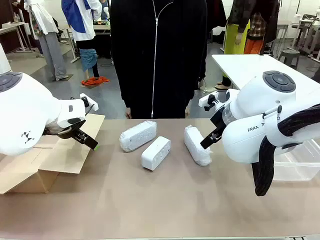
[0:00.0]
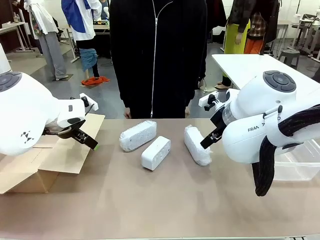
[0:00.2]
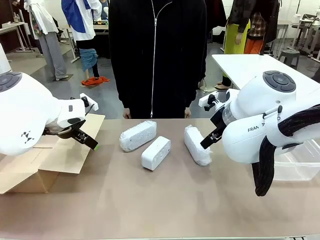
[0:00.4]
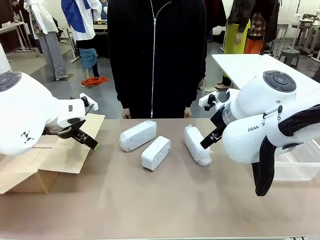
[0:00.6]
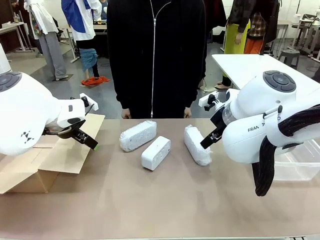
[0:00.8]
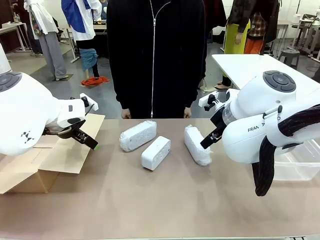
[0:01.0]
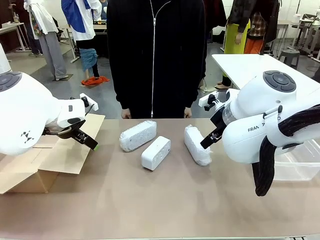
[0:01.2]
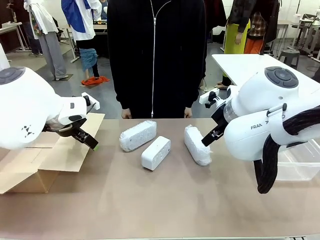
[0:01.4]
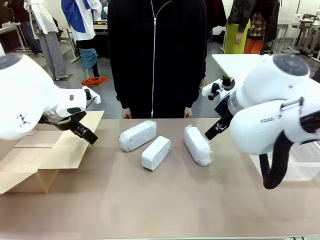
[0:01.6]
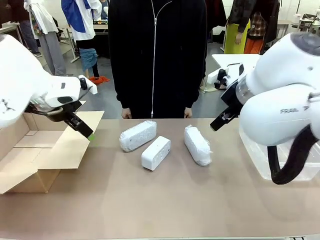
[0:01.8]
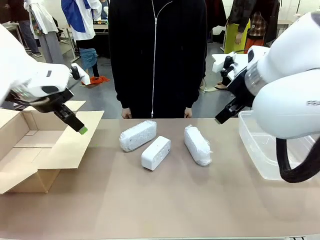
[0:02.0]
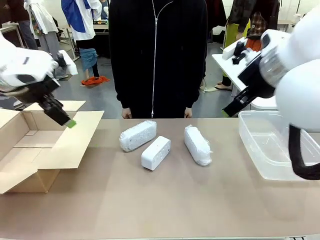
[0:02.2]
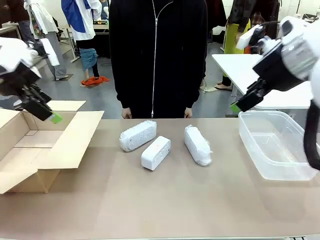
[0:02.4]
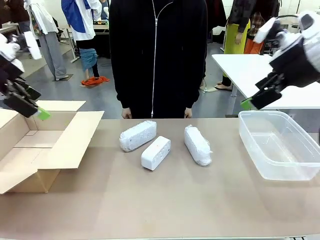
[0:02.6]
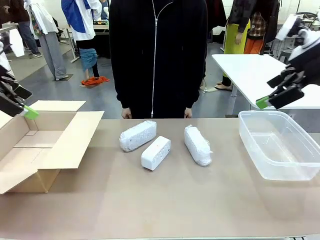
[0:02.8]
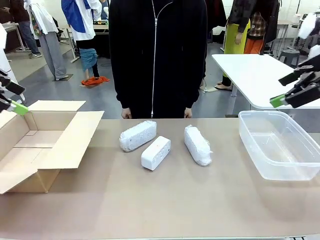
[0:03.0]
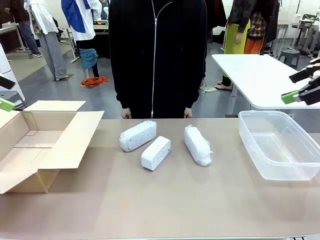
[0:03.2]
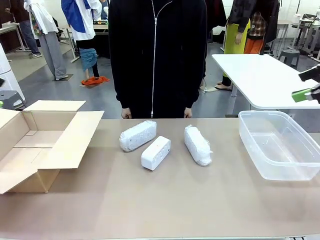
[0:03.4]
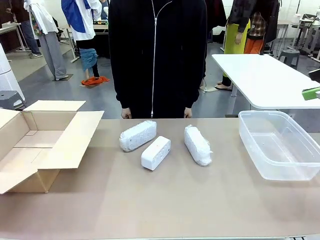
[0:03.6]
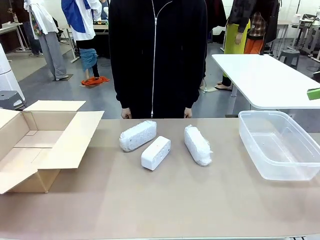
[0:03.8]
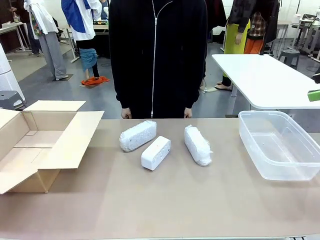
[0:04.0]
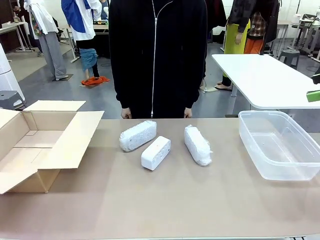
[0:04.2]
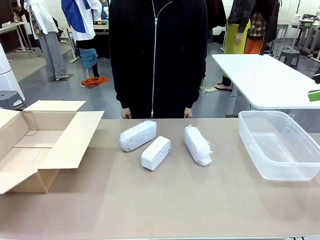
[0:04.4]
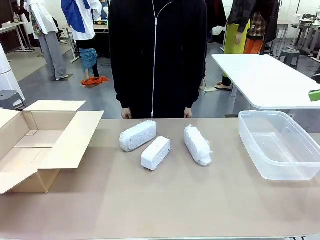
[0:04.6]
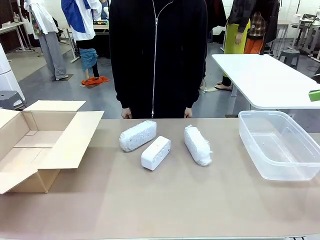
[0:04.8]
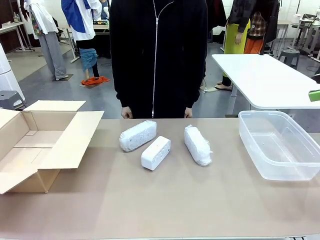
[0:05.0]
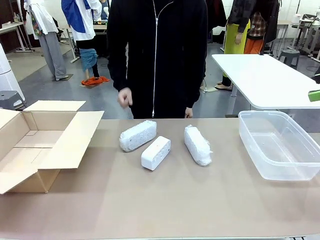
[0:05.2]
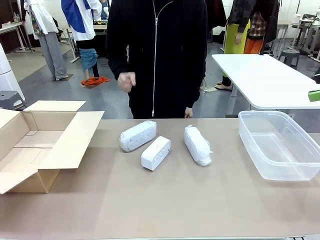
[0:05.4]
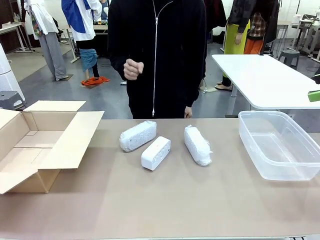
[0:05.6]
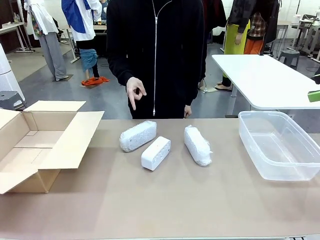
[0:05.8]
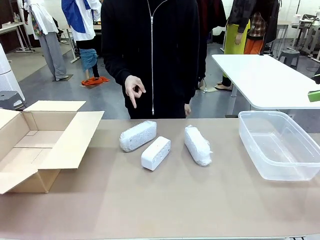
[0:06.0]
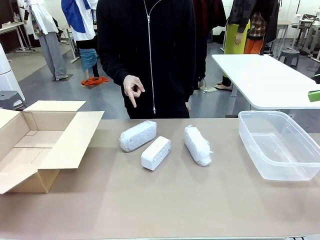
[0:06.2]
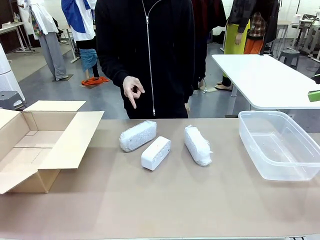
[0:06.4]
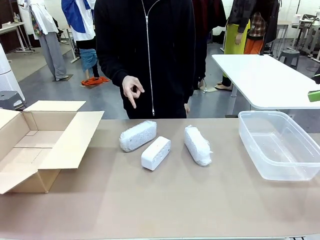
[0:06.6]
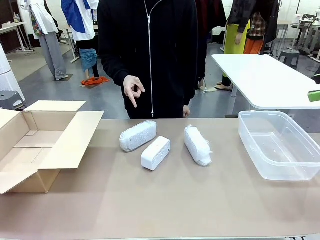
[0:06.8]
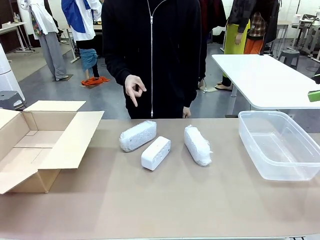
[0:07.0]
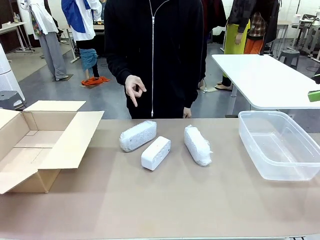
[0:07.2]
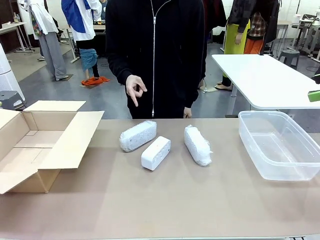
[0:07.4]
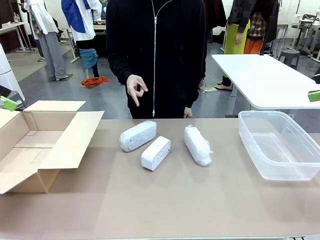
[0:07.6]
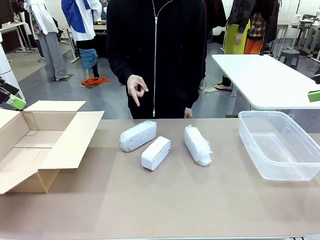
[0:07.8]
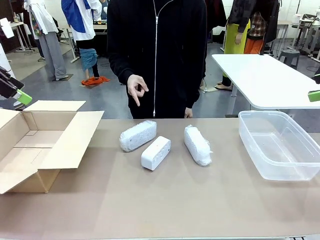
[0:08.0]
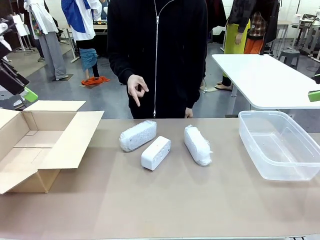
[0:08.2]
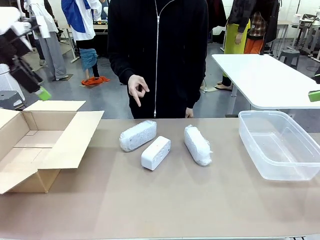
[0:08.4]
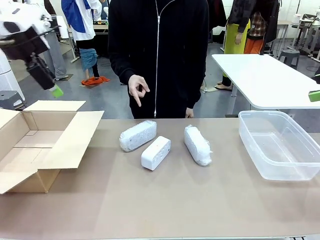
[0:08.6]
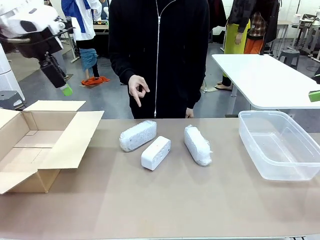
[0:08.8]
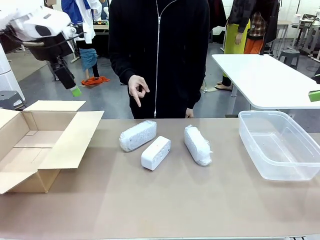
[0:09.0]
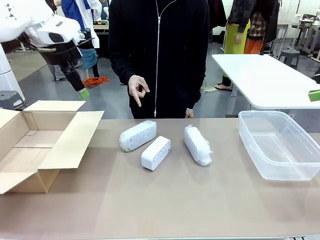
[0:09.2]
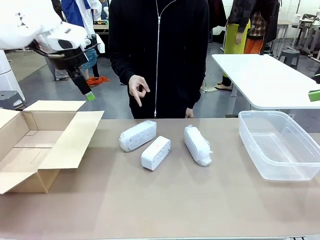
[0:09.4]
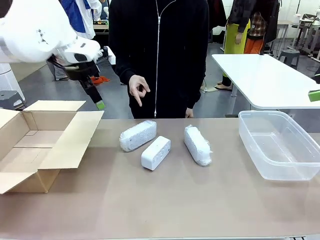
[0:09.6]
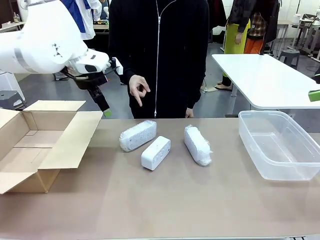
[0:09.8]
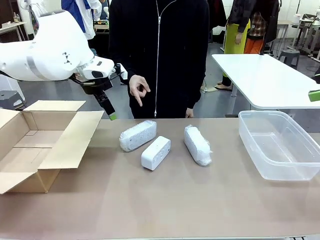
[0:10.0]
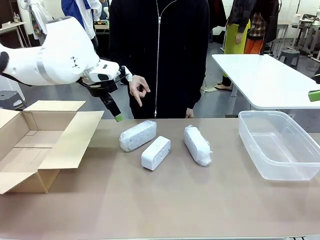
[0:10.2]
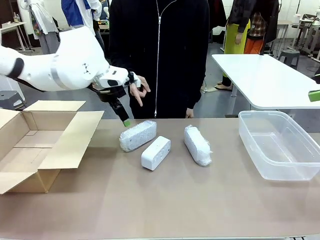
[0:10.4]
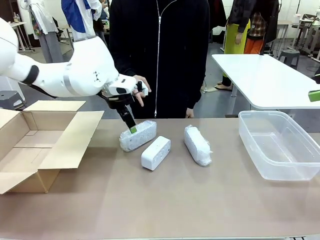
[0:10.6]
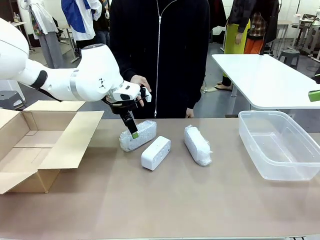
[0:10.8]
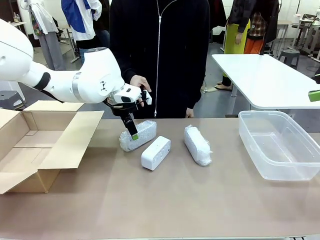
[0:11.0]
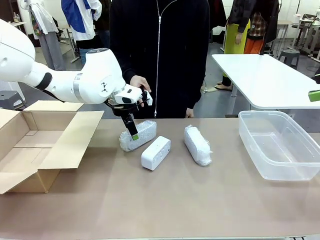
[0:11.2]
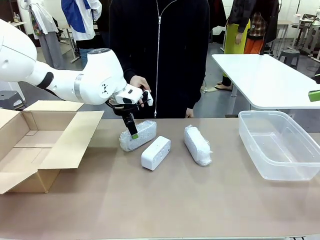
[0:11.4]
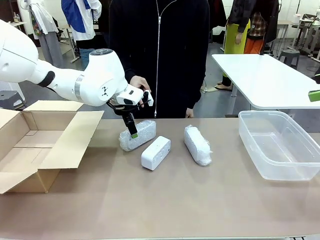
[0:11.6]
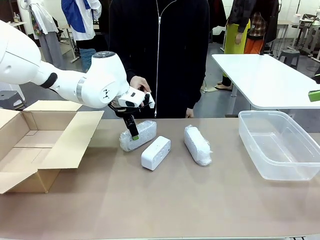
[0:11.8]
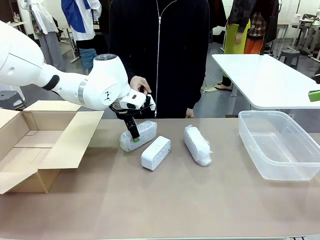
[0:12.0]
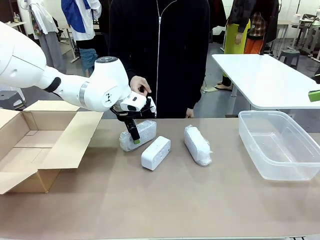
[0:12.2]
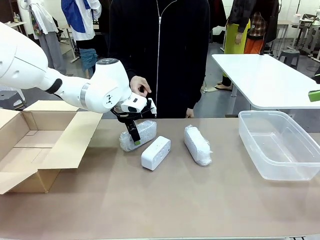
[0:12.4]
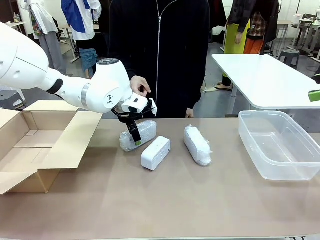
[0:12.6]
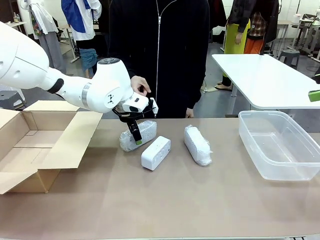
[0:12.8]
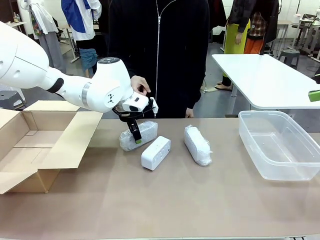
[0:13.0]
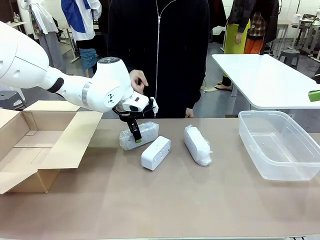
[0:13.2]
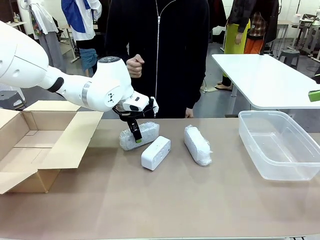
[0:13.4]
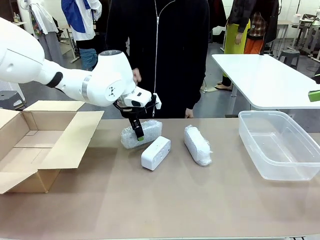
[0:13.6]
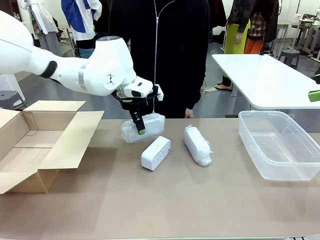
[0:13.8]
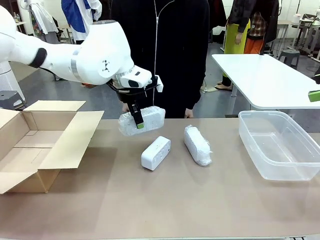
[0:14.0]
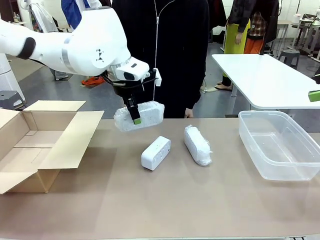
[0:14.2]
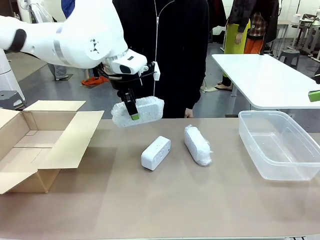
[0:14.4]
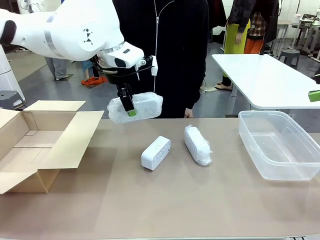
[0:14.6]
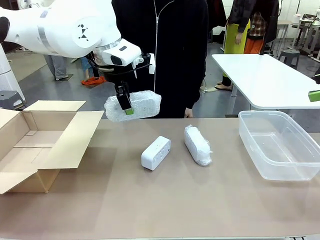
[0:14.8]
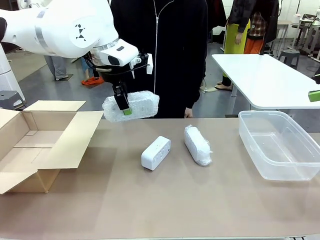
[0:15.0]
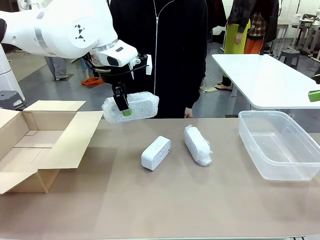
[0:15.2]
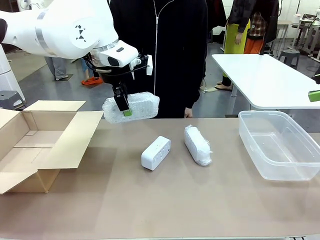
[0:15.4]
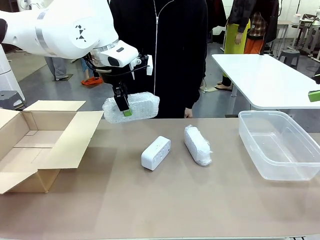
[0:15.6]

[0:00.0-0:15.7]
Task: Separate and place wrapped and unwrapped clocks.
Robot: Pick up the Digital clock indicated by the person.

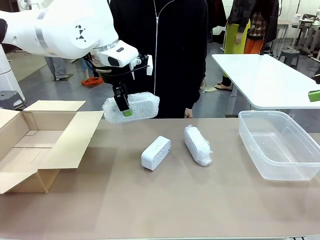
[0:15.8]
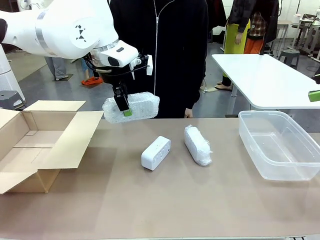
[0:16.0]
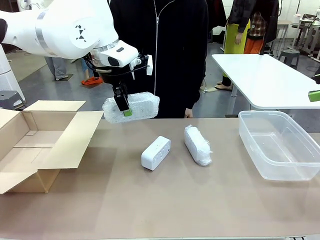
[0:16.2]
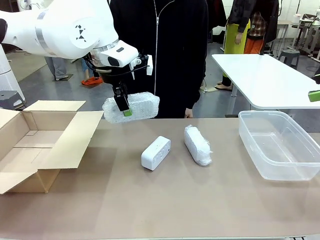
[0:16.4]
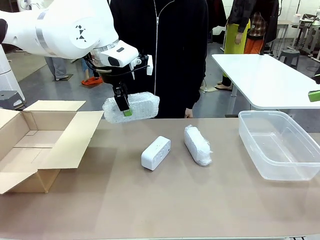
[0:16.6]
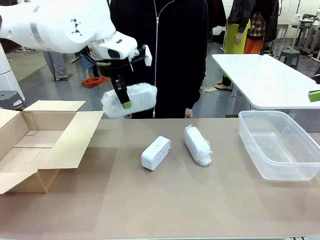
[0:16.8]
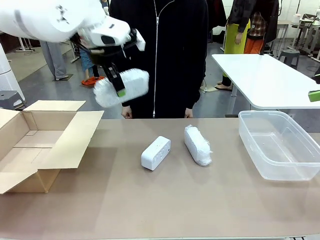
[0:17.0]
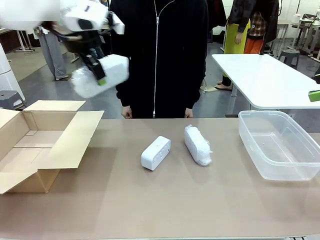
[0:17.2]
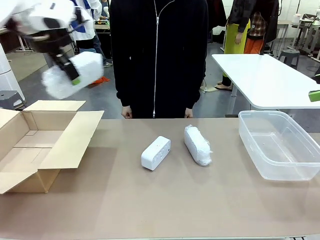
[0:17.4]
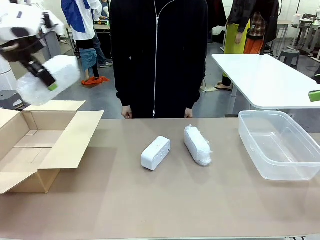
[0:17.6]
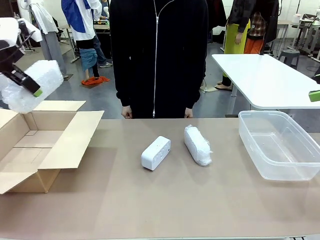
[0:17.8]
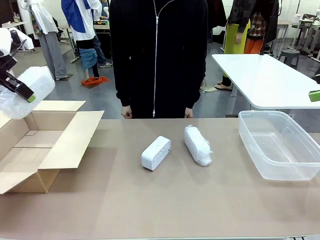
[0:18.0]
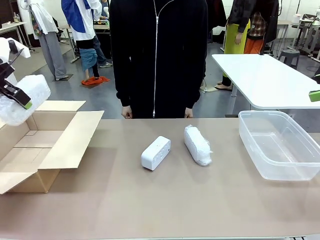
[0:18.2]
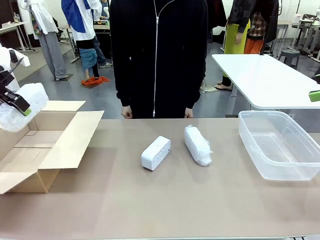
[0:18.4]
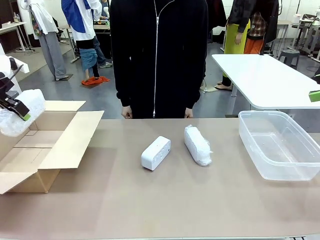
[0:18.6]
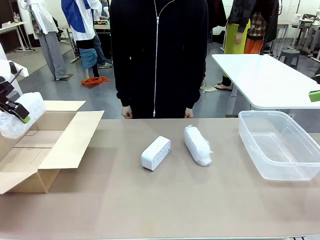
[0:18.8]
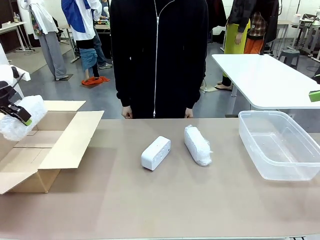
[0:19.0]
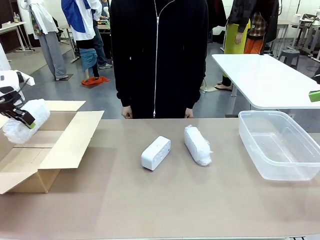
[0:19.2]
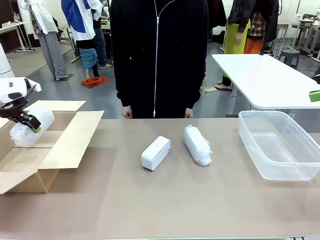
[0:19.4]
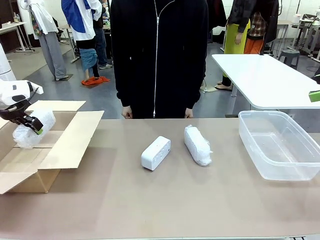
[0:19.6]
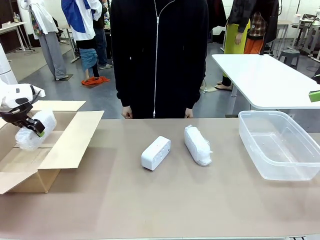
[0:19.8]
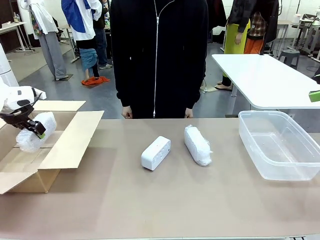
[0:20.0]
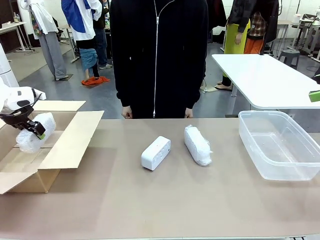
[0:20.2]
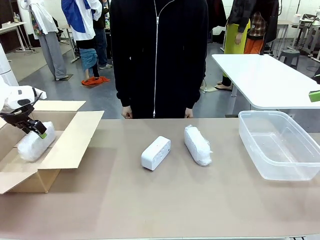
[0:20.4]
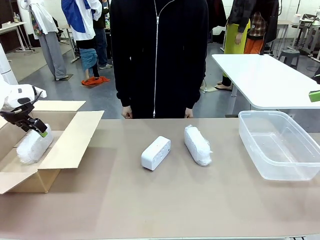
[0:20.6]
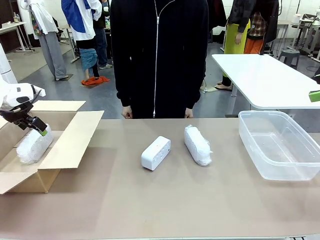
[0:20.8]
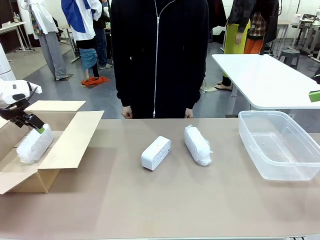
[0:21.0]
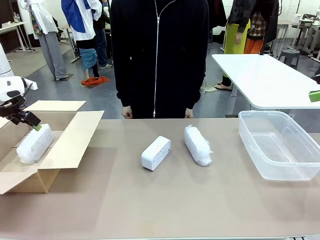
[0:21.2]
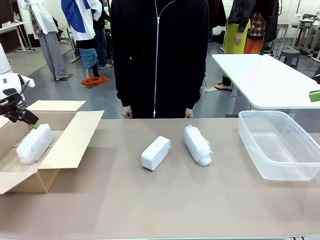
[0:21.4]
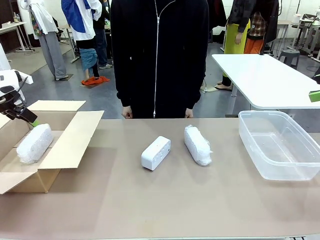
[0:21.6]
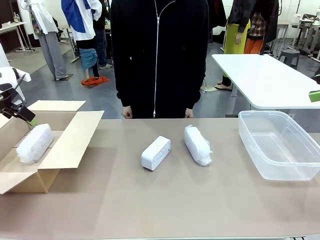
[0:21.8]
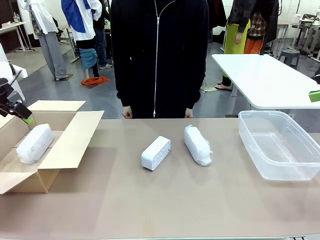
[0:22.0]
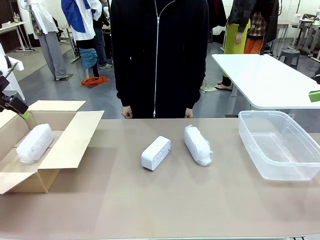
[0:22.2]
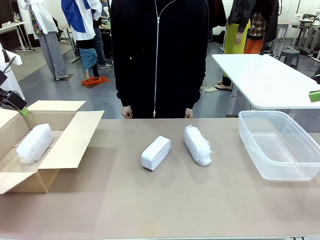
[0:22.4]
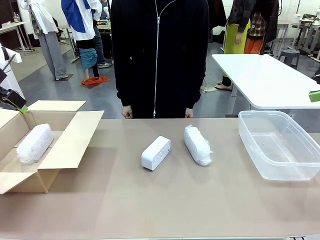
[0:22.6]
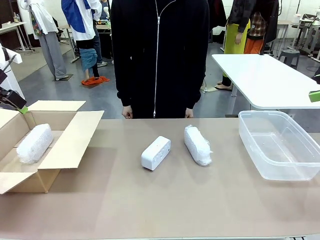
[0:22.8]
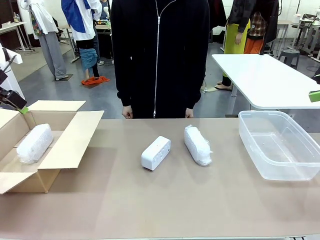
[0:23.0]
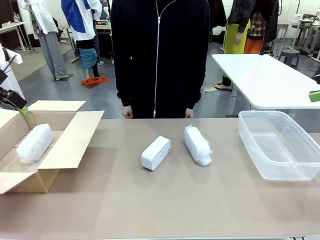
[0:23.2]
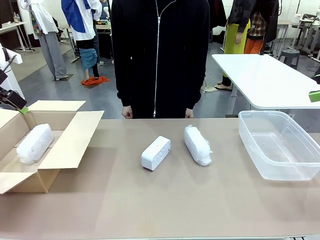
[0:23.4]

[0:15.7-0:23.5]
Robot: If the picked Digital clock is wrapped, place it in the Package Box ; if not, place it in the Organizing box.
